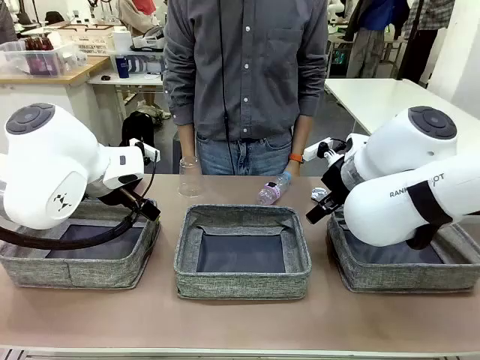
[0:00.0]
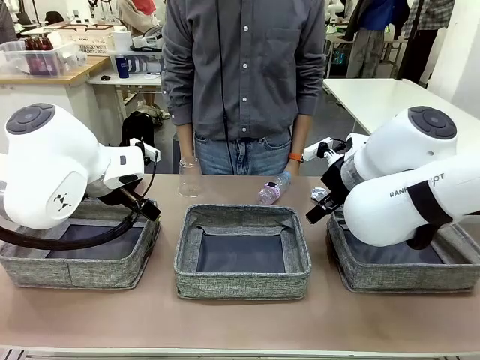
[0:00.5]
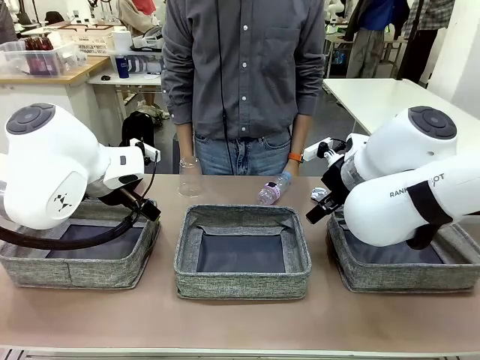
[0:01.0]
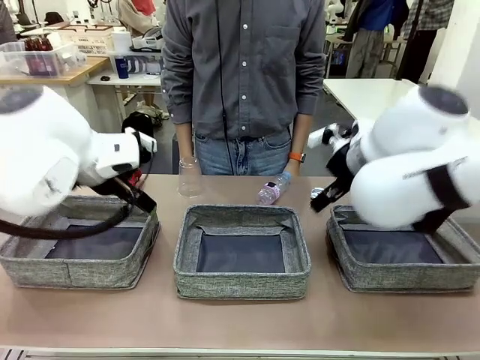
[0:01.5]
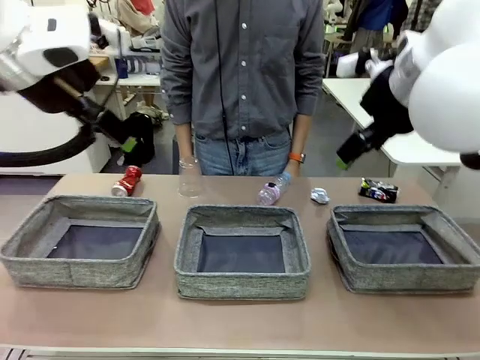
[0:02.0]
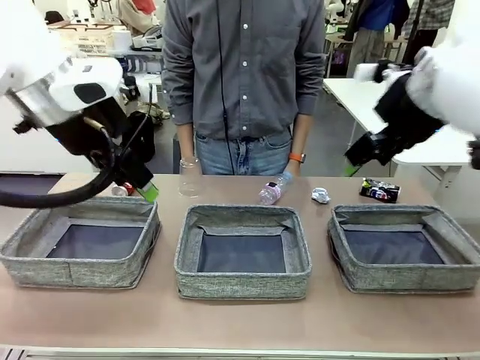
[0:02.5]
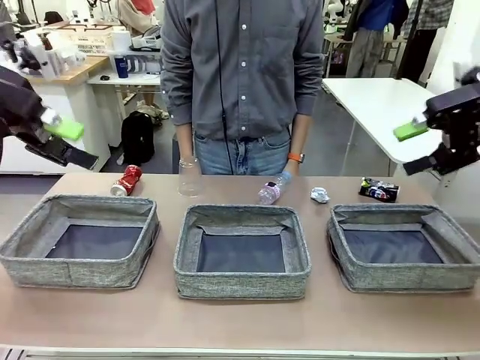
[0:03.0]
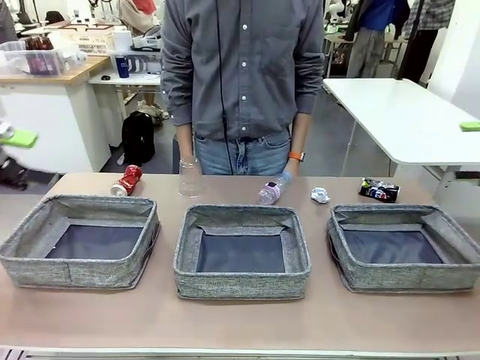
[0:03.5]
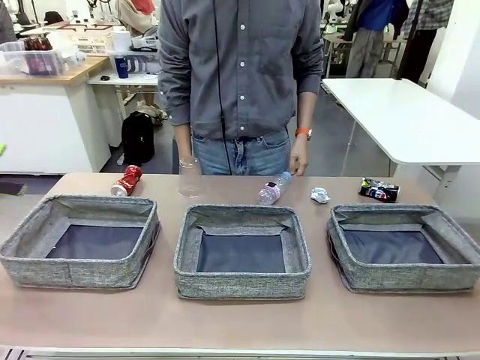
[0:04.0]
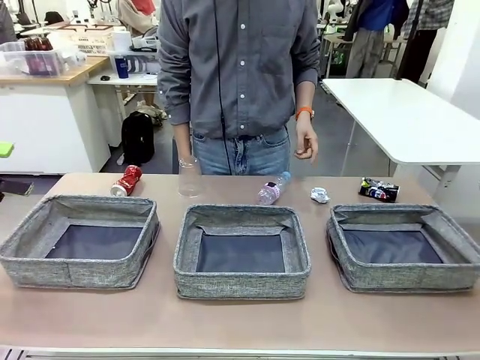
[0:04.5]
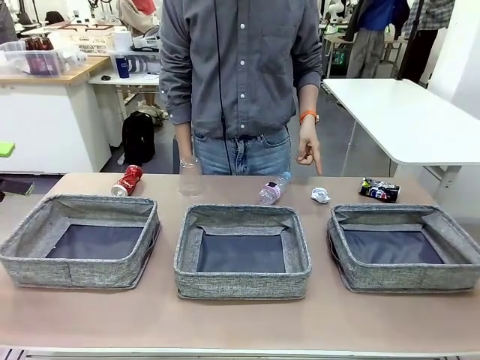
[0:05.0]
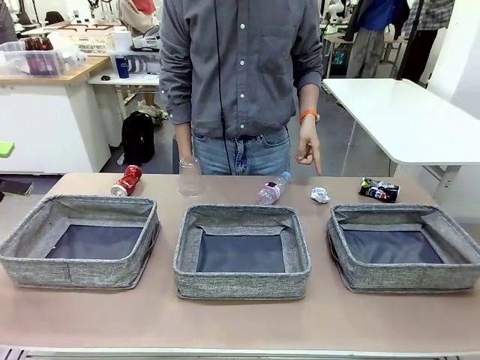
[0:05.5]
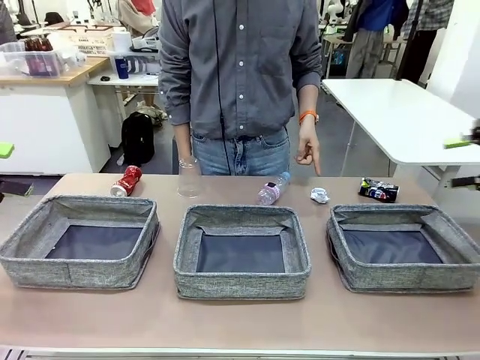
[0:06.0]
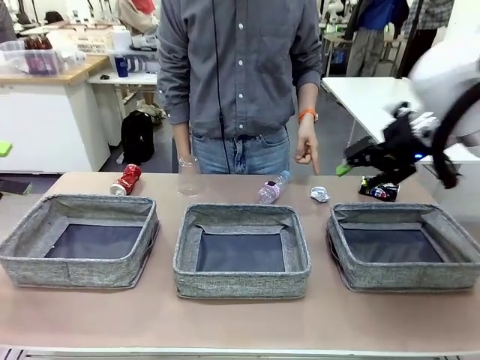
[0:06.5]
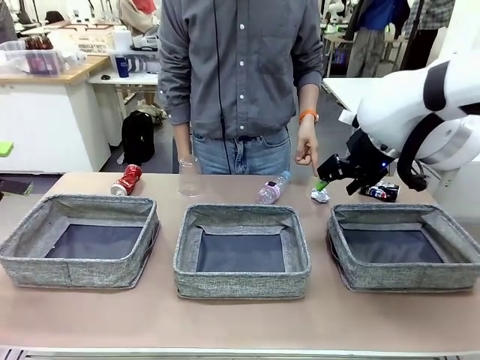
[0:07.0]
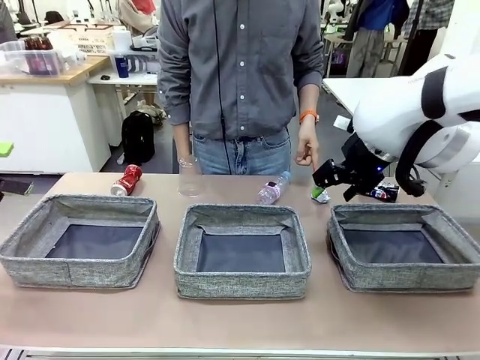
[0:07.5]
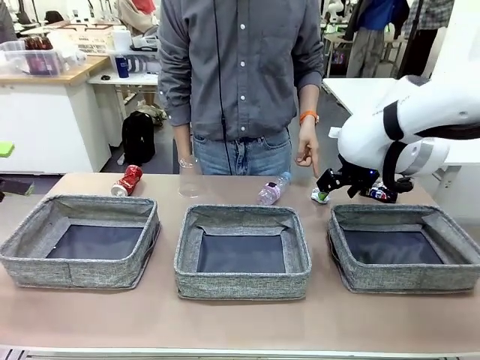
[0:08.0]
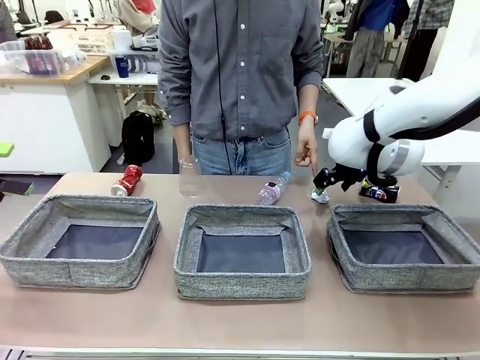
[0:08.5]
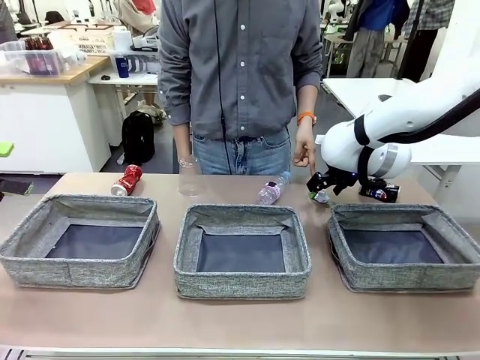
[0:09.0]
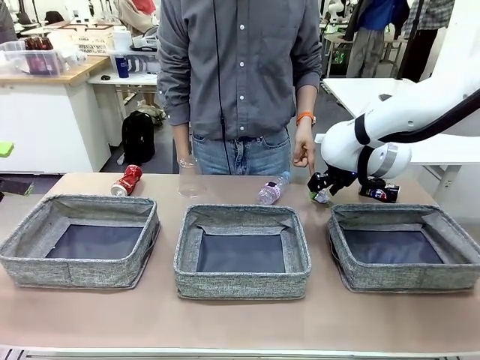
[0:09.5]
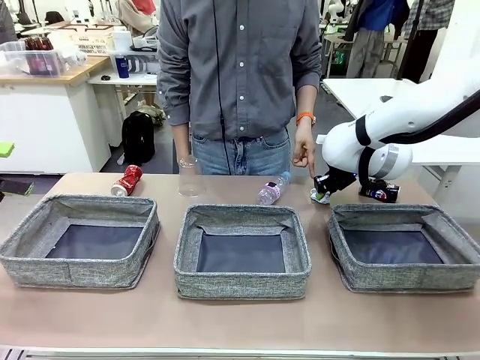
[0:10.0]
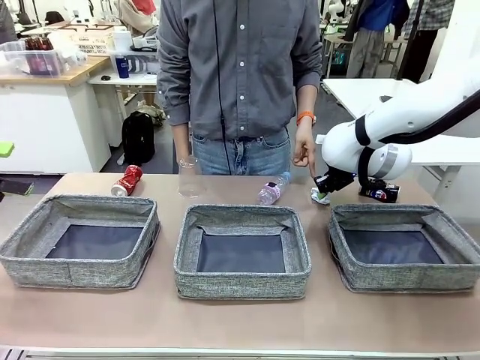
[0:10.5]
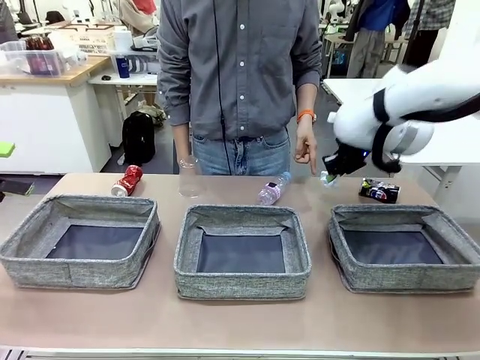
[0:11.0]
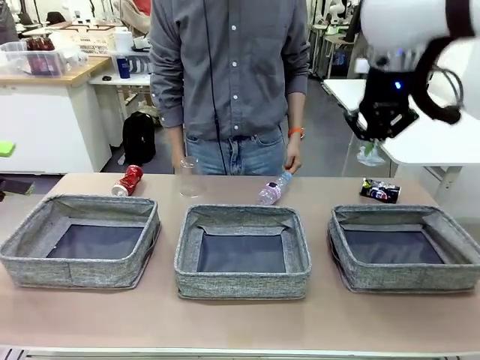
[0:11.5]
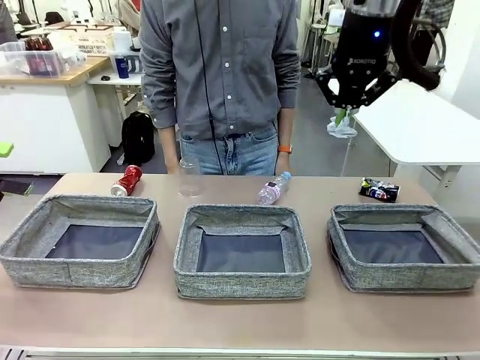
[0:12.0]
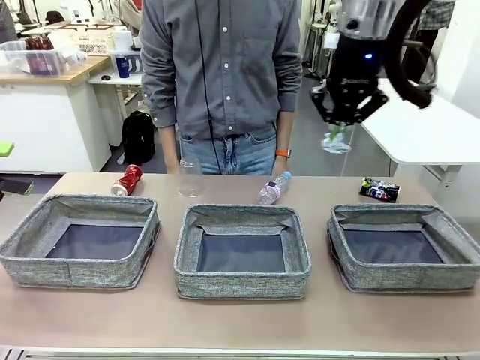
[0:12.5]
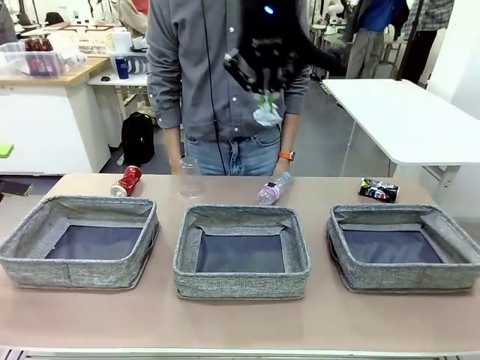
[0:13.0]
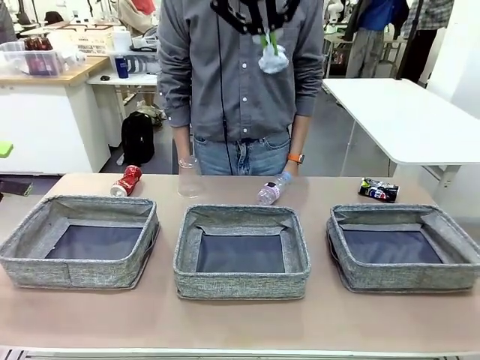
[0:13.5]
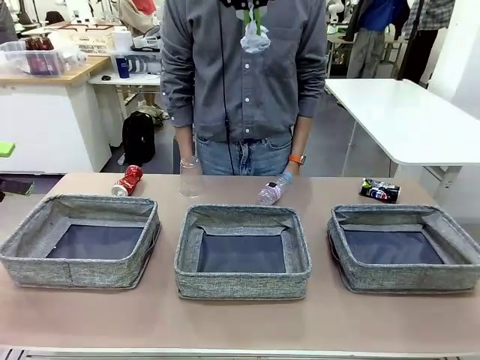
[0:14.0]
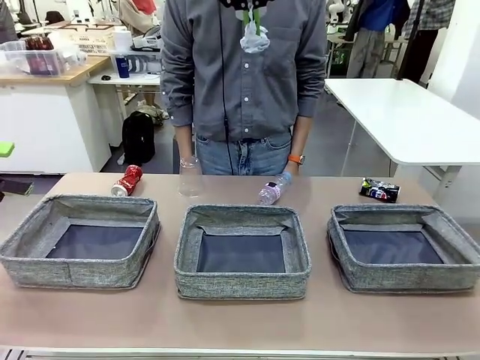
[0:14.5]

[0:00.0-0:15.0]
Task: Sort the waste into the appropriate baskets.
Robot: Pick up the waste item pointed out by the person.
Person: Points to one piece of trash on the table.

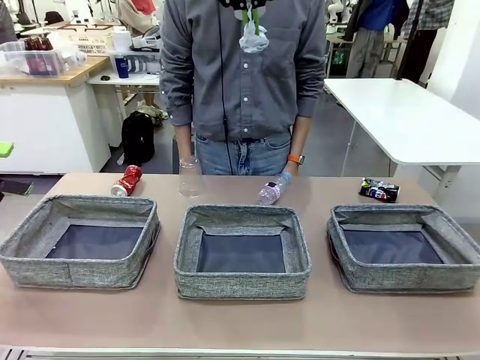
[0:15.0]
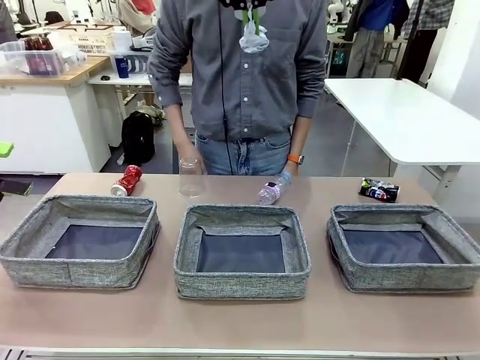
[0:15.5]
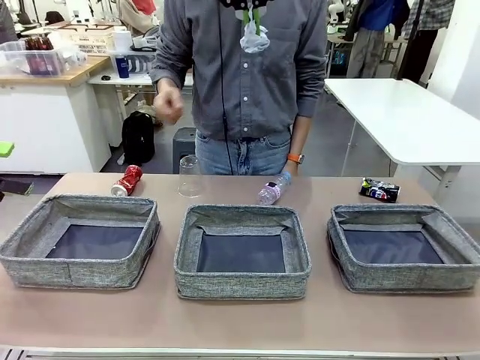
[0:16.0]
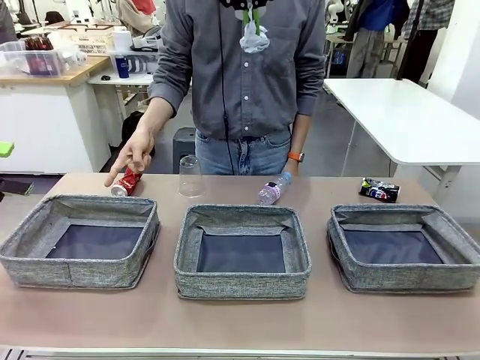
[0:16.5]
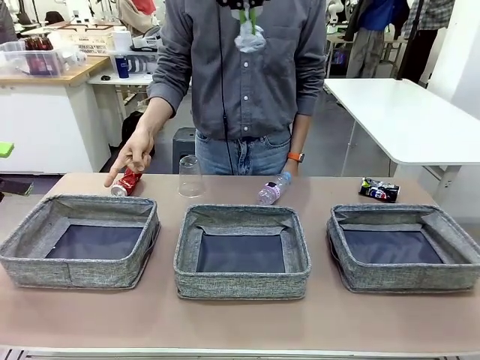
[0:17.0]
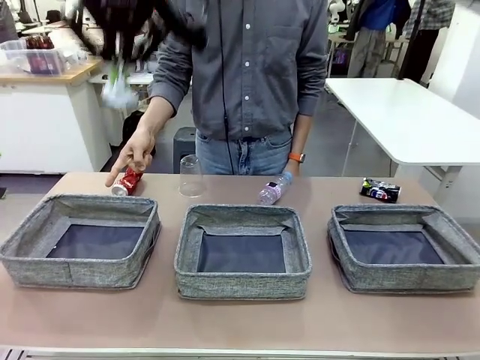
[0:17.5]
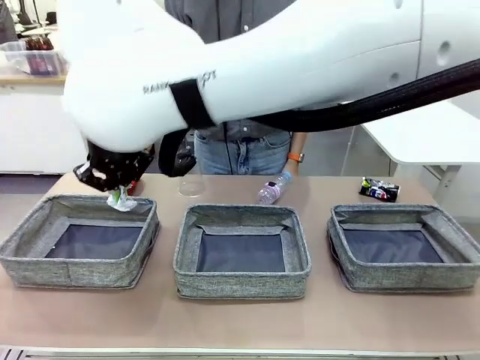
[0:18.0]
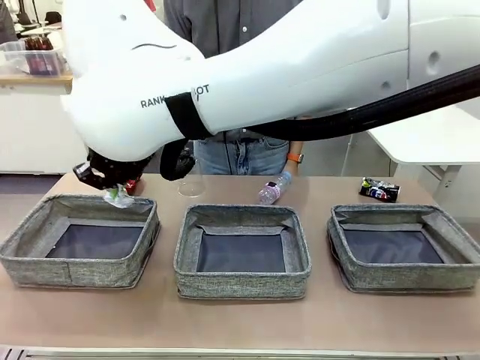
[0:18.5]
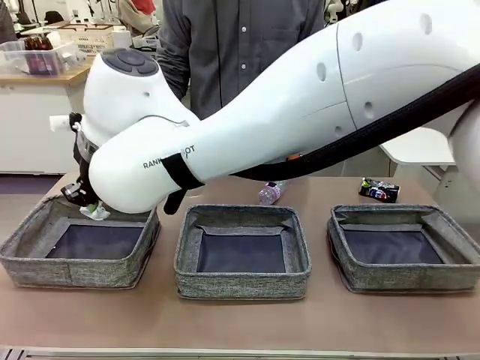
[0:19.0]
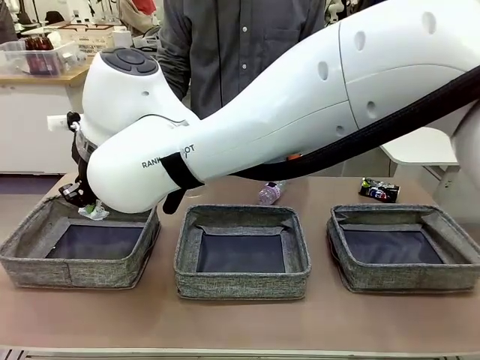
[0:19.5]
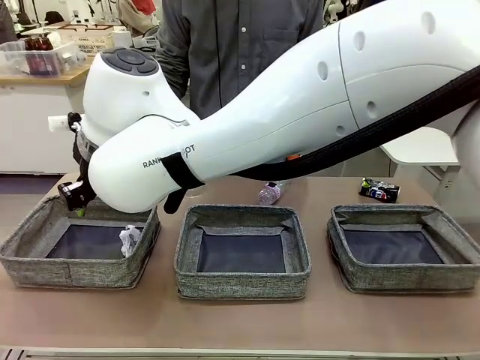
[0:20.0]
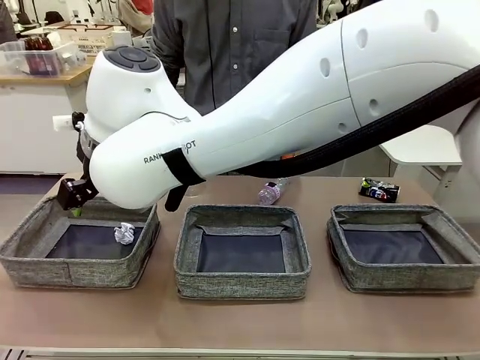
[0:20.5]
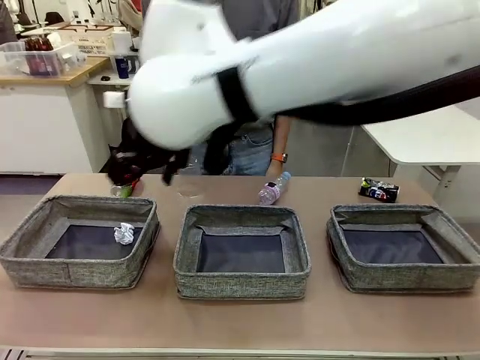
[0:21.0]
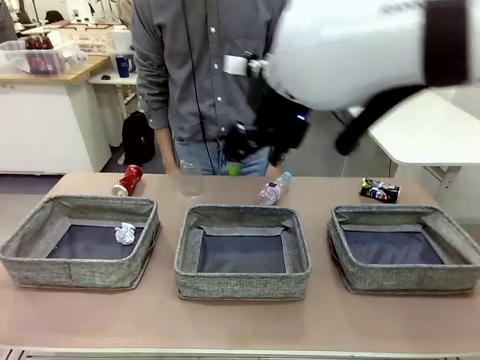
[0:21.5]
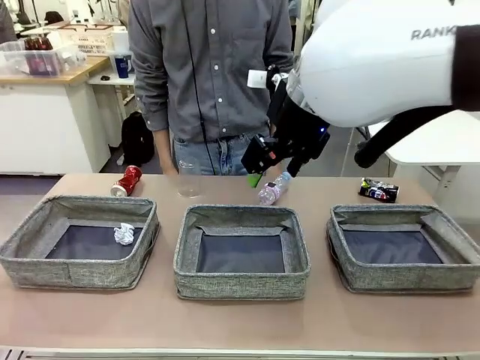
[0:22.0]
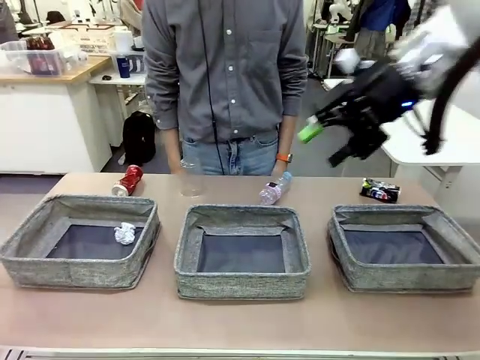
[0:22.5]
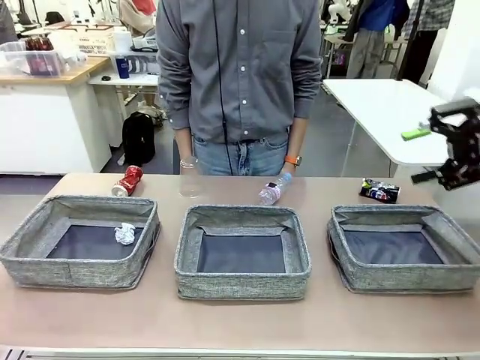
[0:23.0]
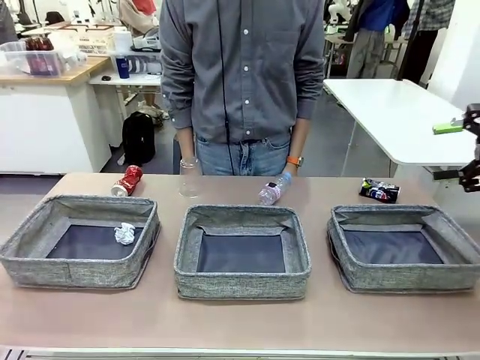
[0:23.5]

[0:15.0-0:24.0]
Robot: Place the picked waste into the Fabric basket indicated by the person.
Person: Instructs the robot to place the picked-up trash into the appropriate organizing basket.

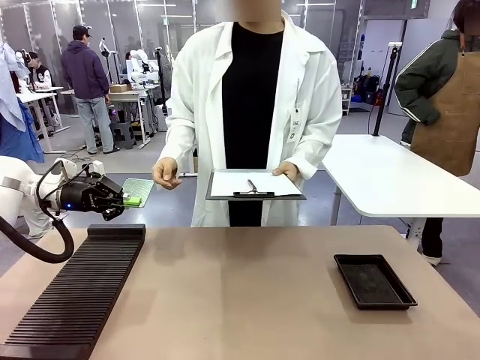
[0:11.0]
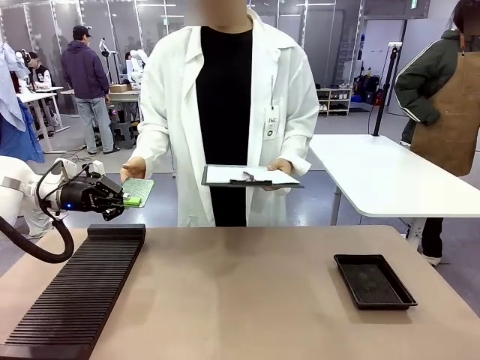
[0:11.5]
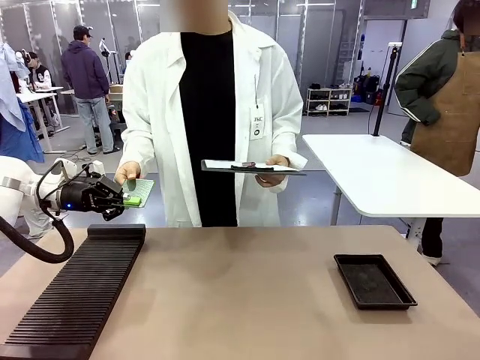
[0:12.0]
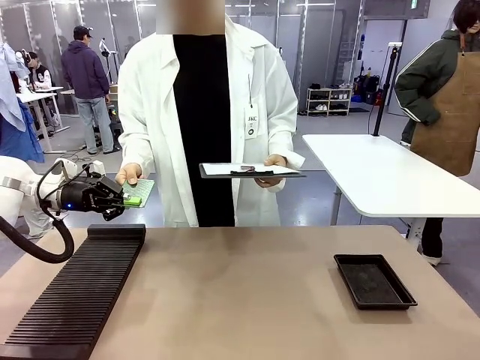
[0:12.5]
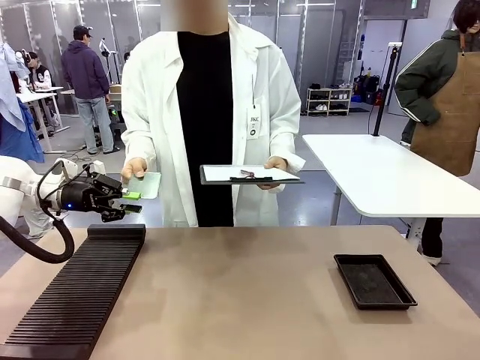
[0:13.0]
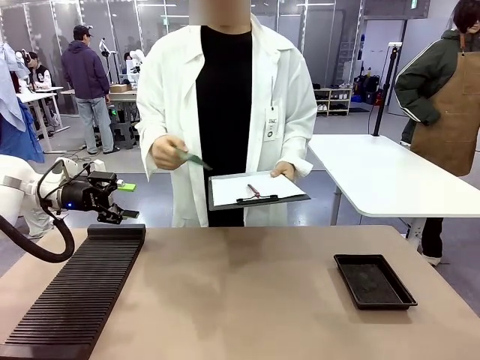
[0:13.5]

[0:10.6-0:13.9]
Task: Inspect the PCB.
Robot: Release the Blank PCB you were holding.
